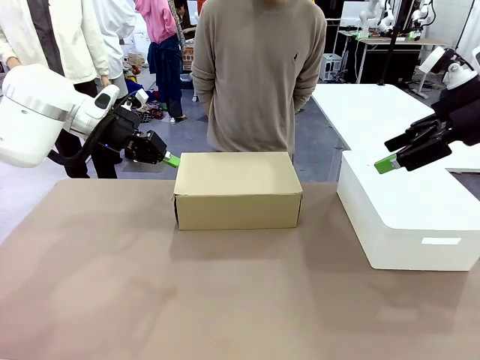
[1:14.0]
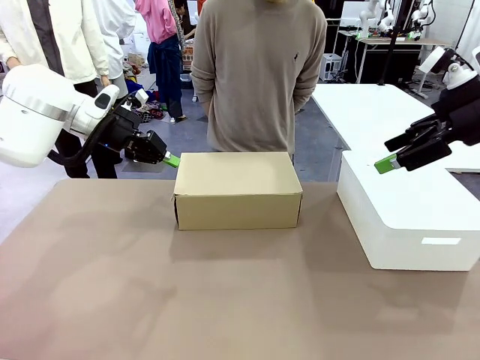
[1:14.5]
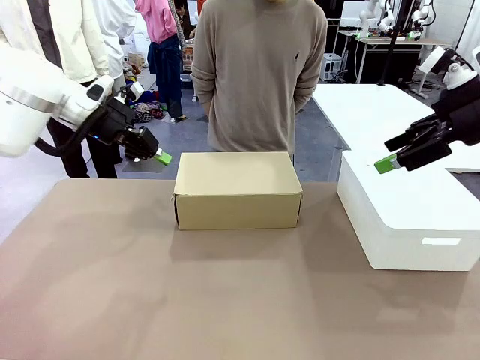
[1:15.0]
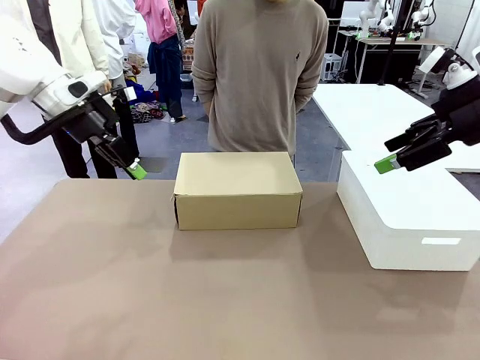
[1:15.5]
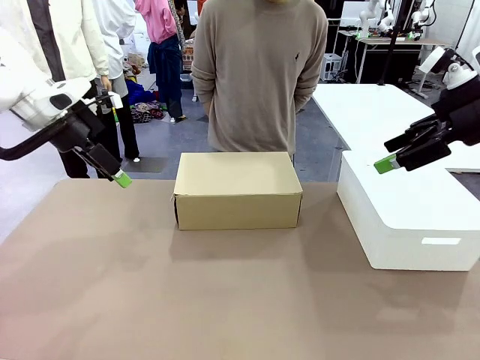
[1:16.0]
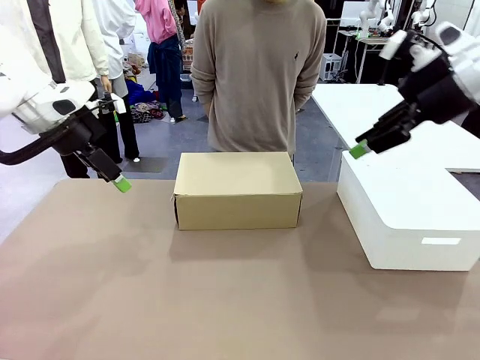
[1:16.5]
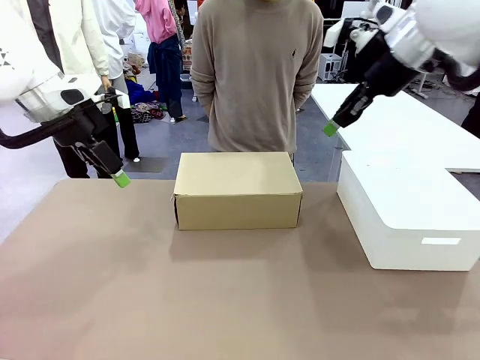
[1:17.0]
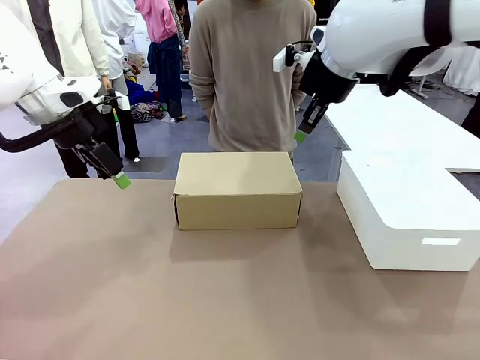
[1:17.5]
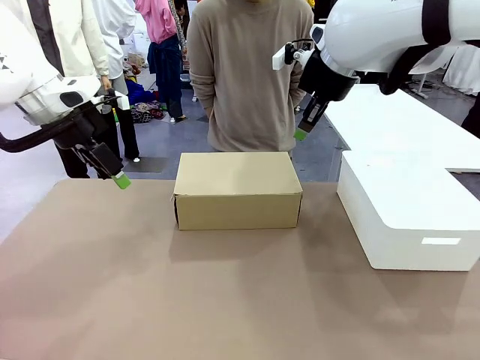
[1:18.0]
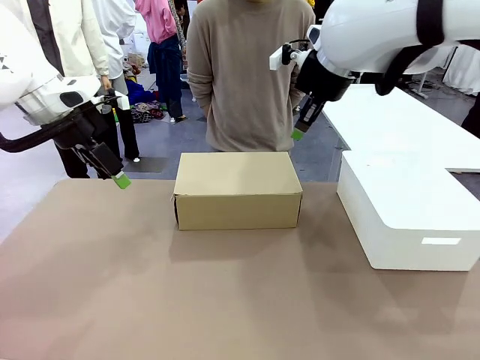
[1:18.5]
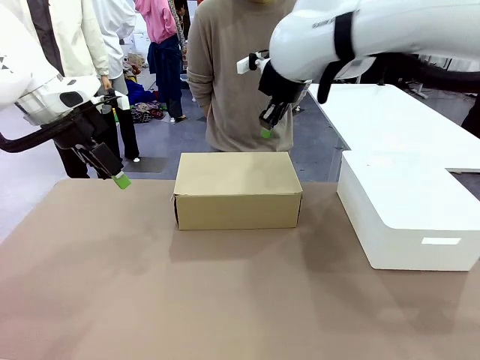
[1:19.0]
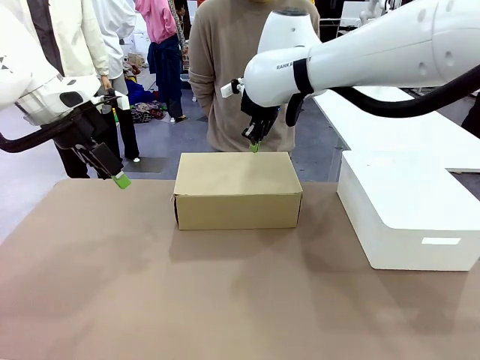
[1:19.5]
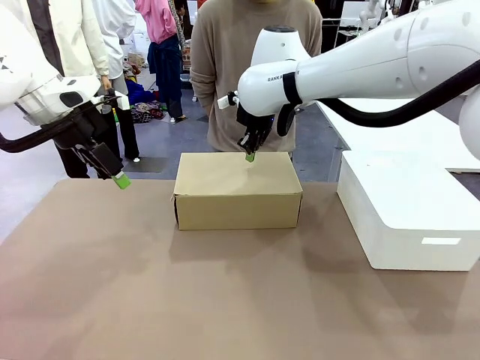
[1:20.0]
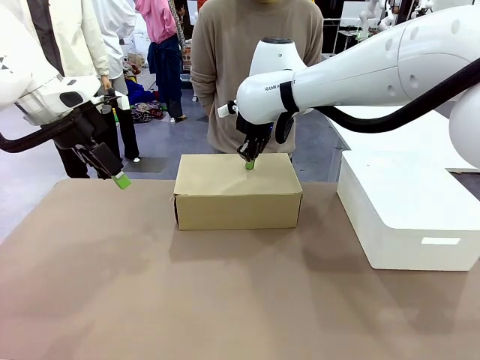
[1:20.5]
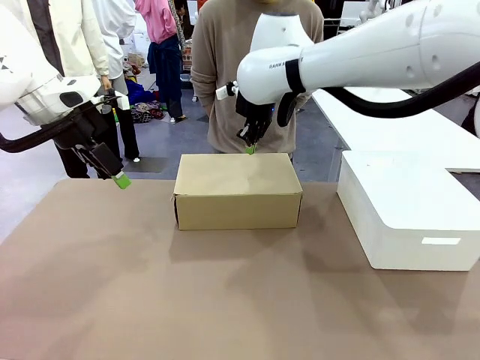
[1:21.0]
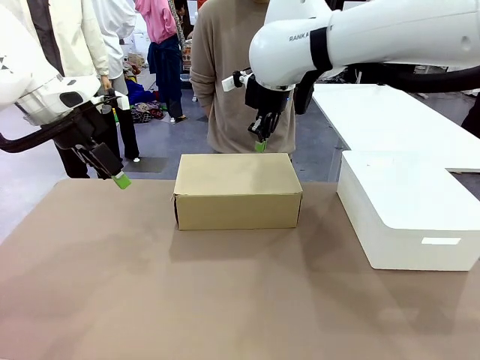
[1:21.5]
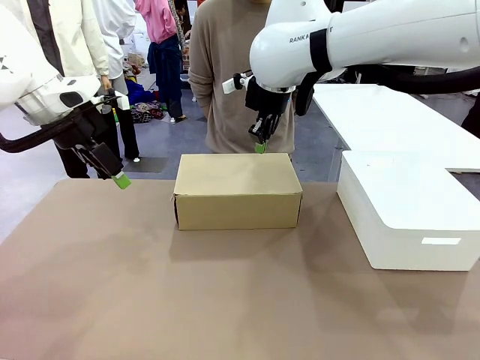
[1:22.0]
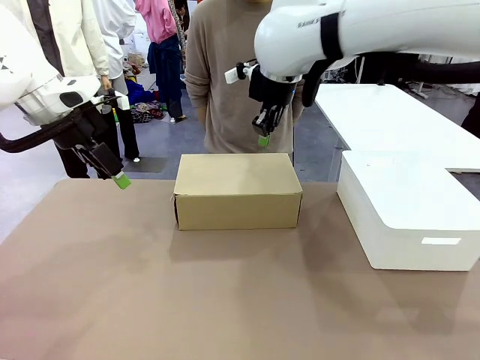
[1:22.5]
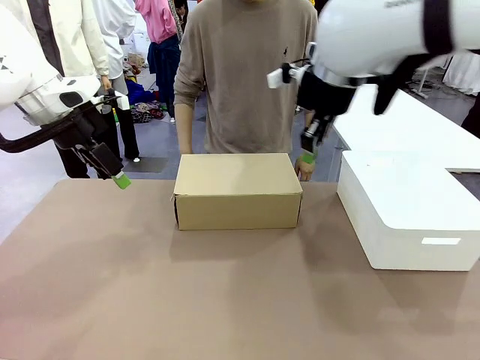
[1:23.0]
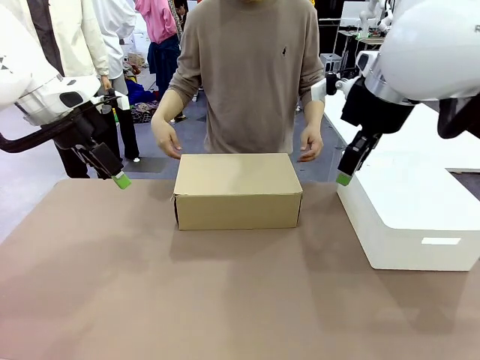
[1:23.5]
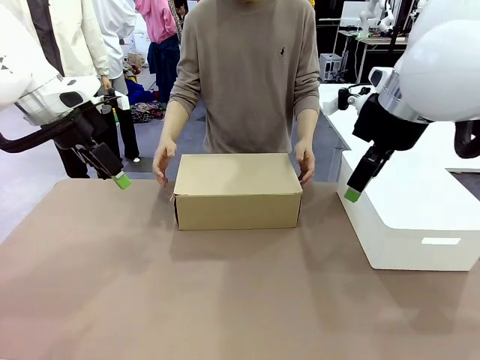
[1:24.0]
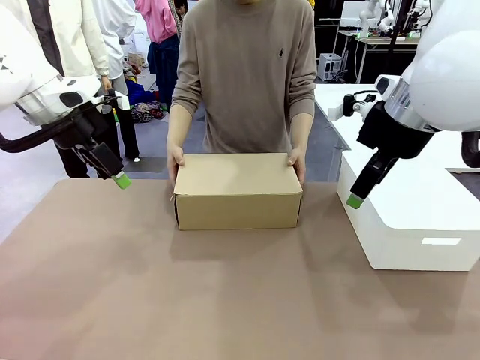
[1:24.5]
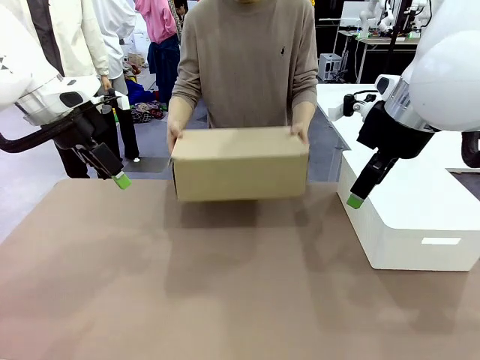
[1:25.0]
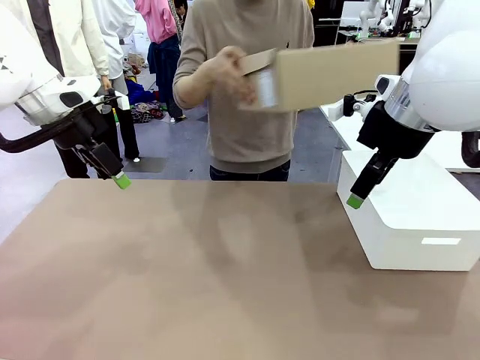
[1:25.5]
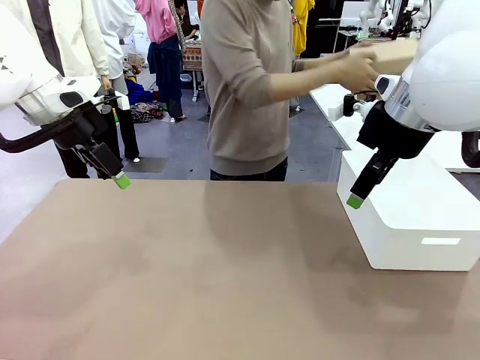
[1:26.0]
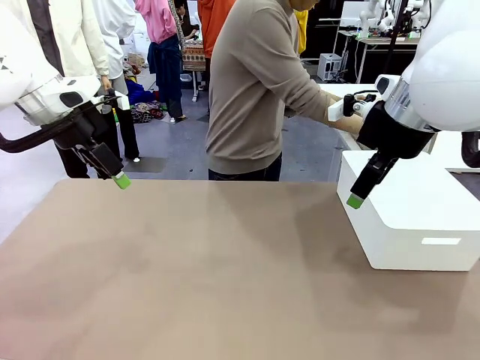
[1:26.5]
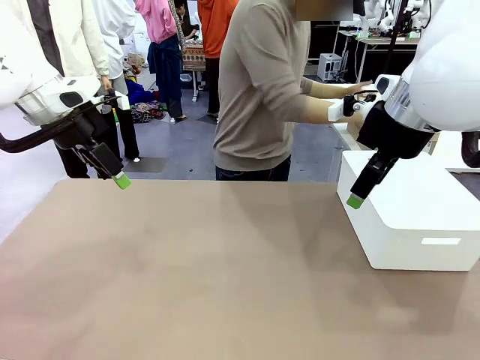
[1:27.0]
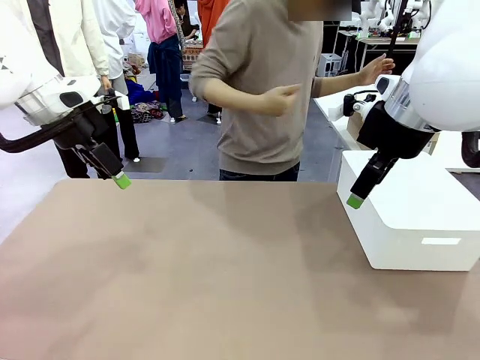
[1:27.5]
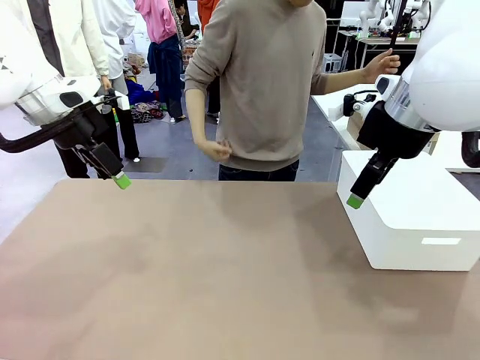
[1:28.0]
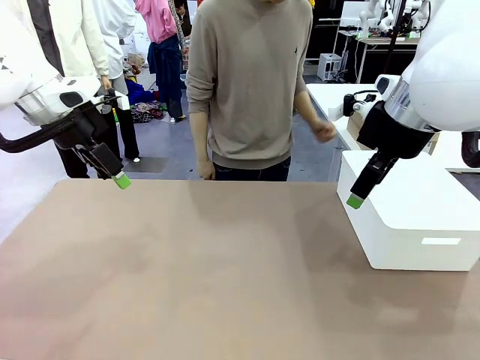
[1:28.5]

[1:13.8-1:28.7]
Task: Pack the shoes into the box.
Robot: Press down on the lid of the Shoes Box.
Person: Place the closed Shoes Box to the right side of the human table.

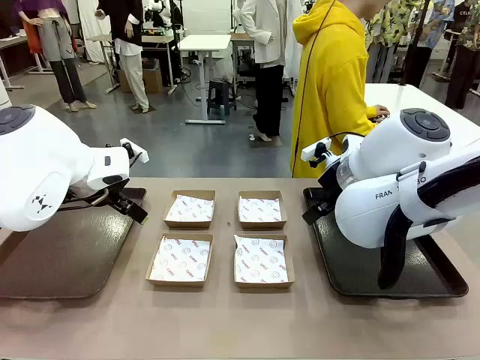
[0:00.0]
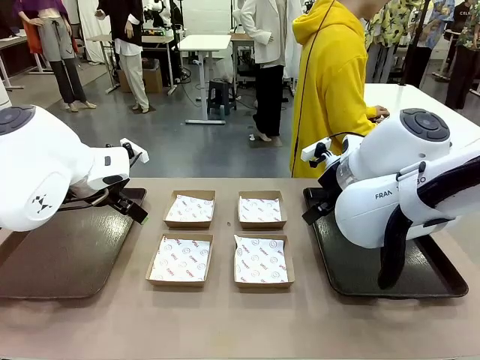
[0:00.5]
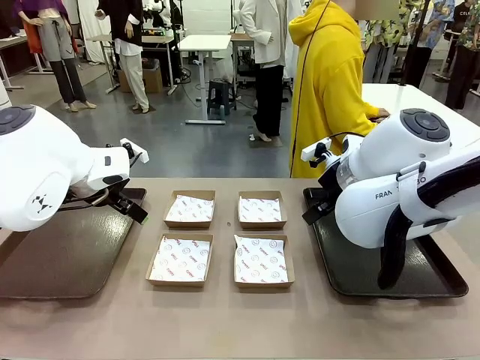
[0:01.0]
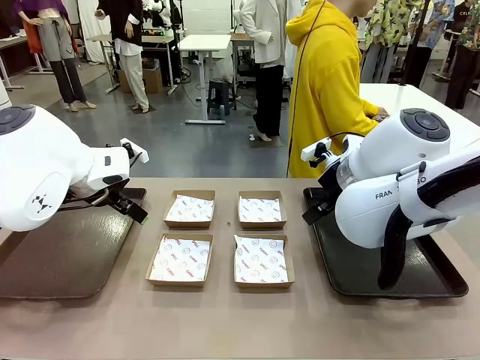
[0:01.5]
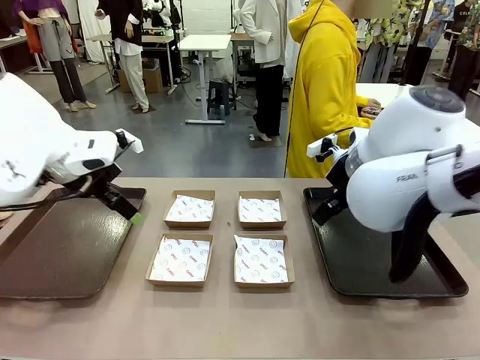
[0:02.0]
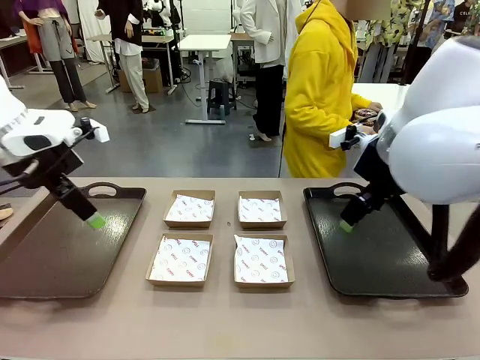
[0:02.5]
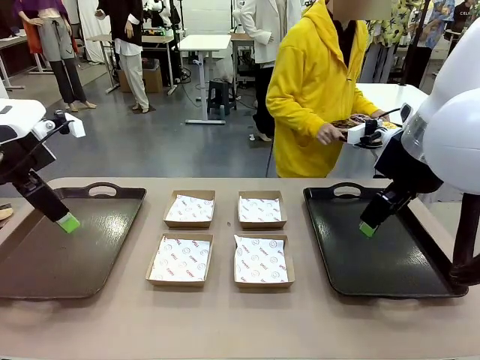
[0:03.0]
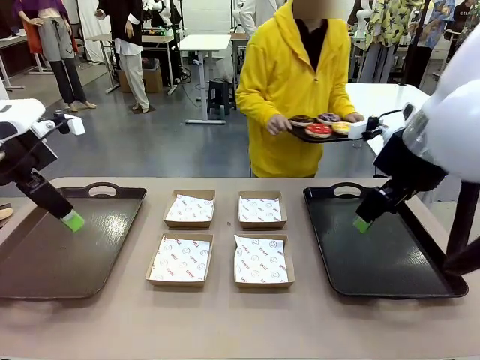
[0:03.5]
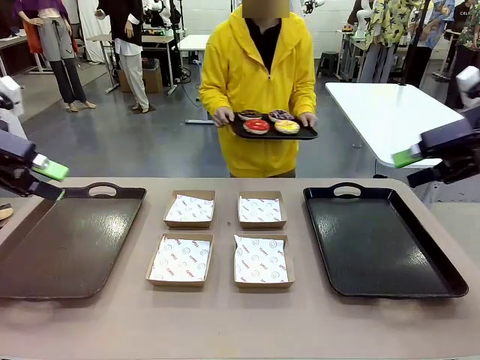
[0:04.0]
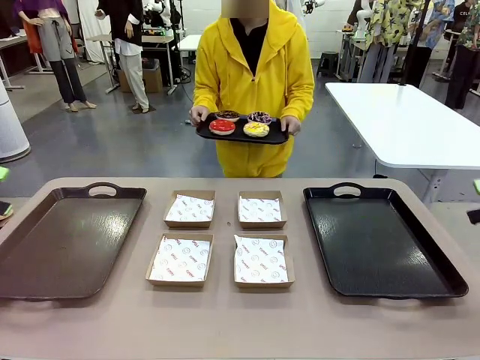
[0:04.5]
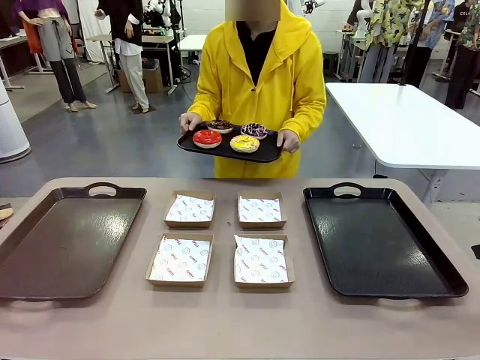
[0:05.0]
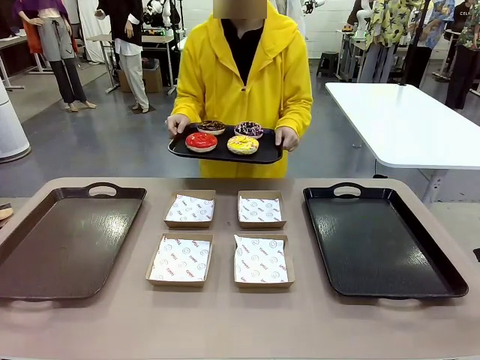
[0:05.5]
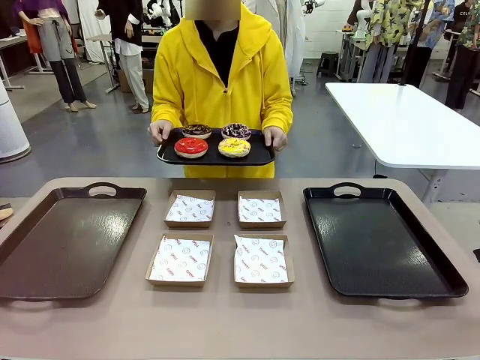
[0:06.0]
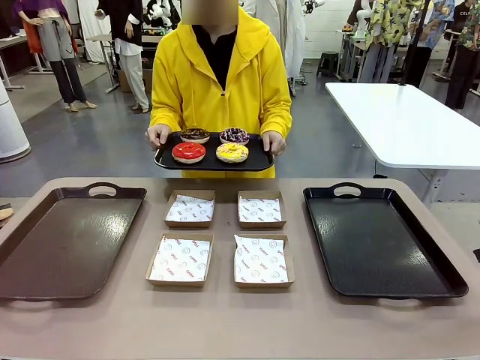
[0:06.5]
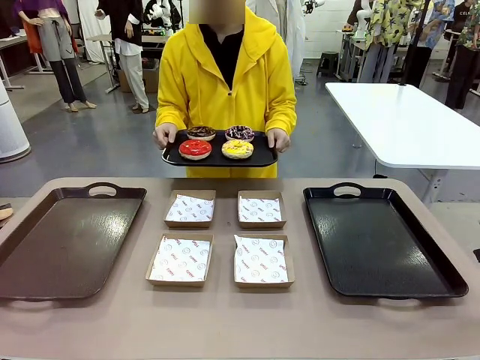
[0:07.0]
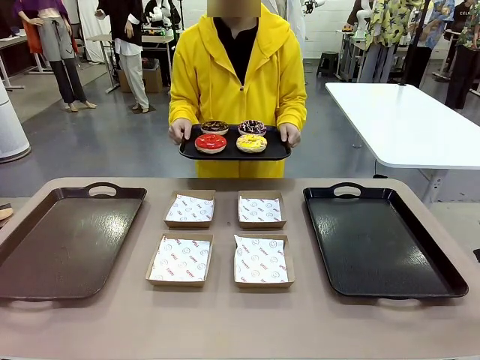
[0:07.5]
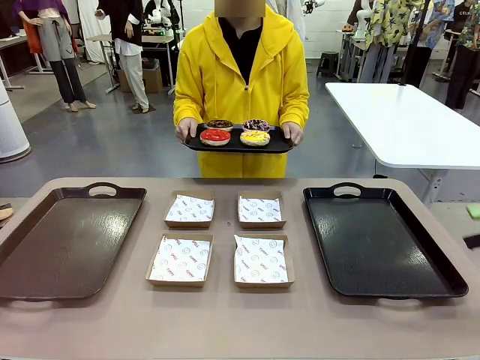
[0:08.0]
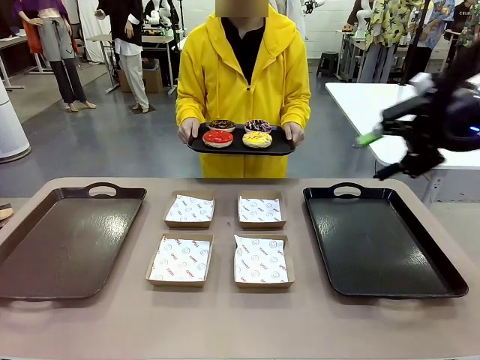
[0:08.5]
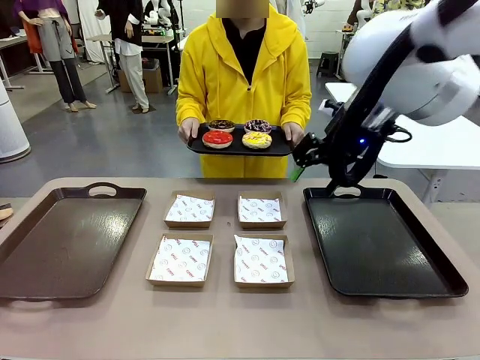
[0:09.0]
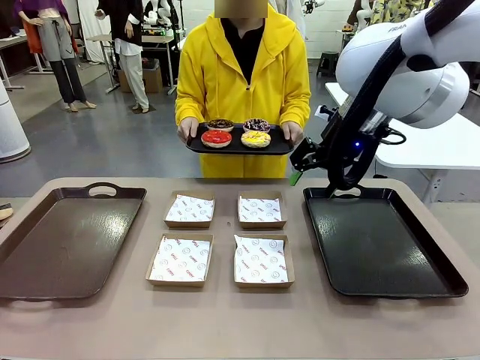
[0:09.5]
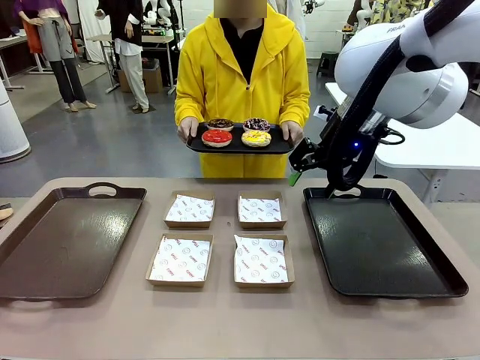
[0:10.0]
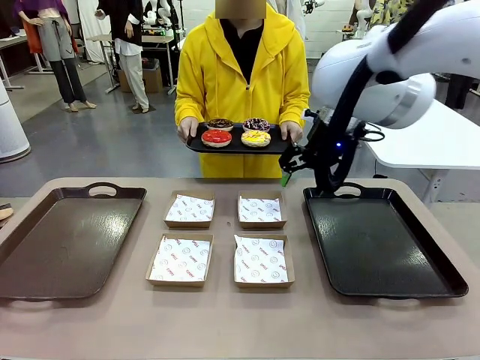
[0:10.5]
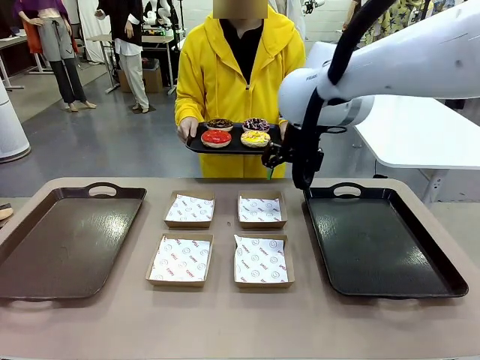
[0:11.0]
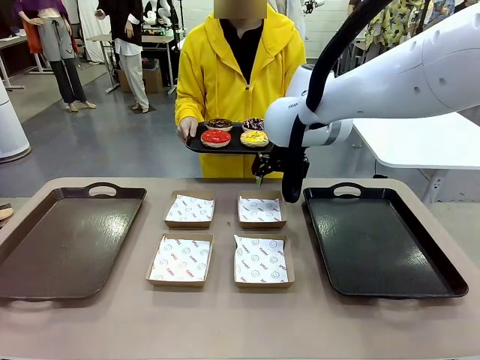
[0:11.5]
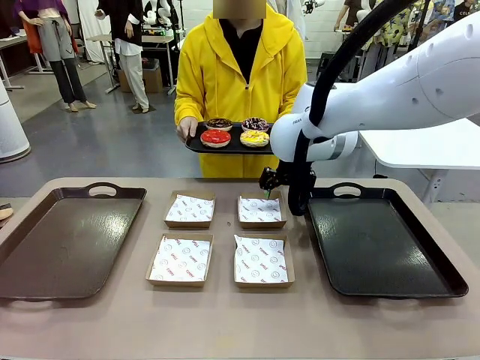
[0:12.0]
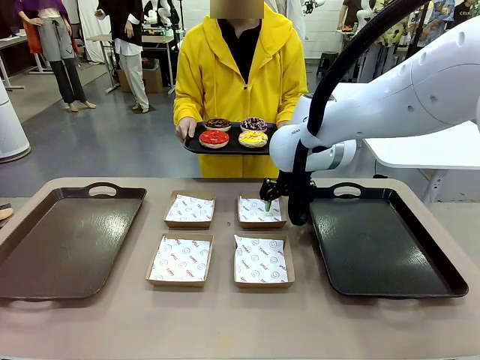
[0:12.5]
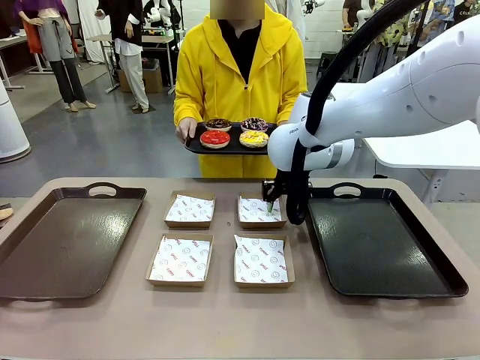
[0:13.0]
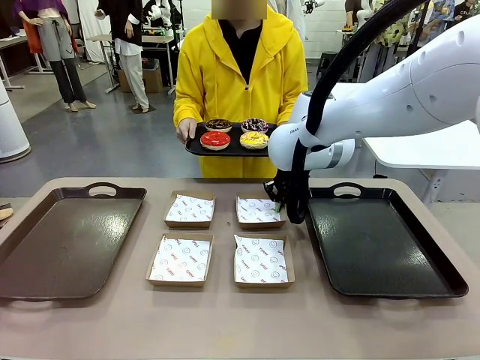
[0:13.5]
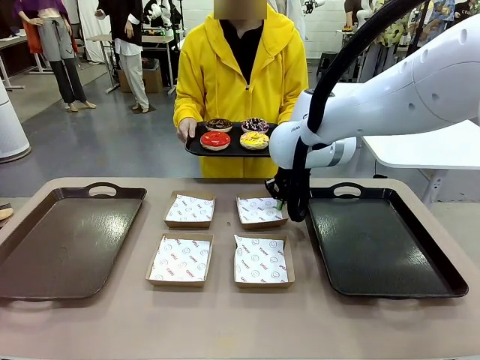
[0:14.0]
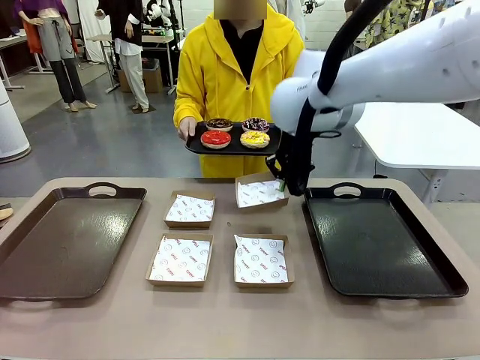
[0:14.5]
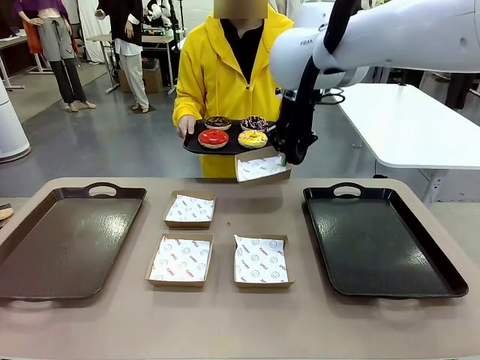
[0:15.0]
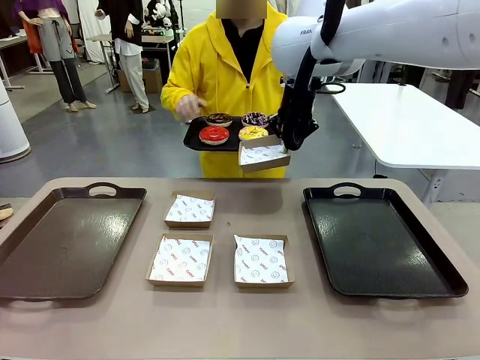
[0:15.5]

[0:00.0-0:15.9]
Task: Individually package the donuts and arrange them on the tray.
Robot: Pick up one Paper togo box.
Person: Stand in front of the robot table holding the tray containing the donuts.
